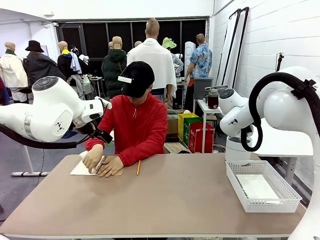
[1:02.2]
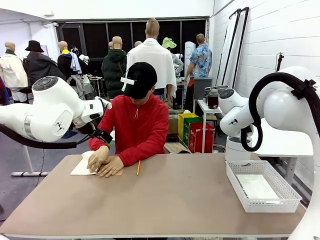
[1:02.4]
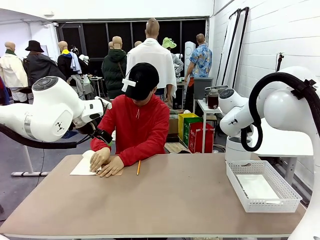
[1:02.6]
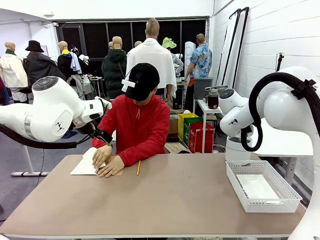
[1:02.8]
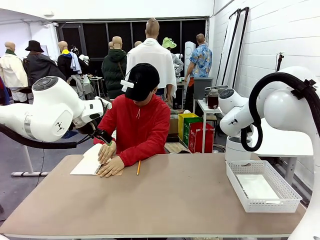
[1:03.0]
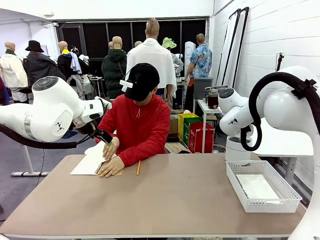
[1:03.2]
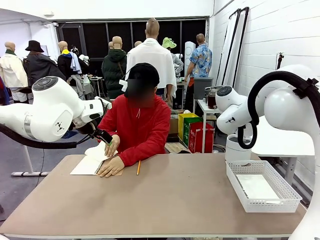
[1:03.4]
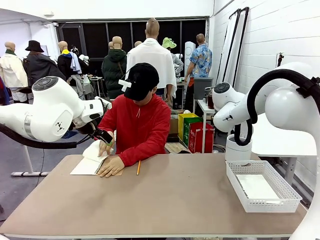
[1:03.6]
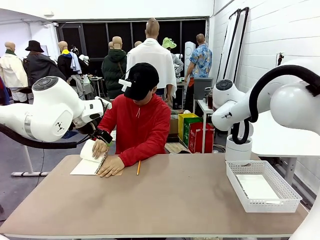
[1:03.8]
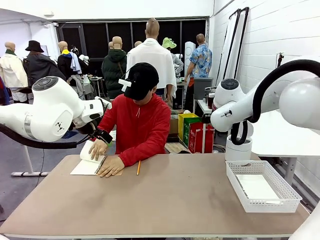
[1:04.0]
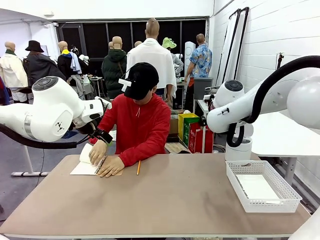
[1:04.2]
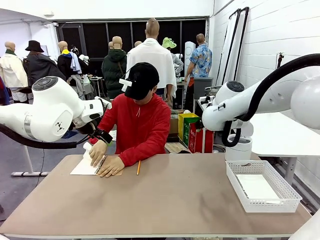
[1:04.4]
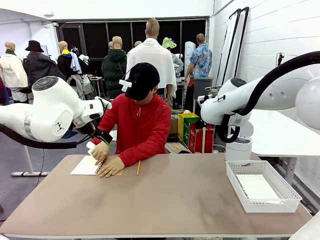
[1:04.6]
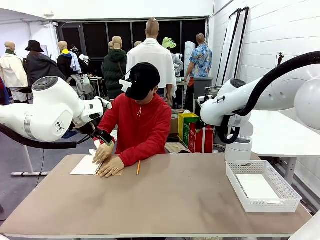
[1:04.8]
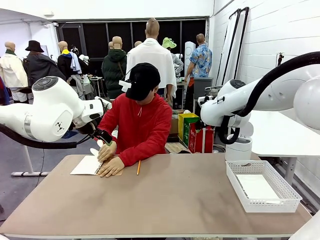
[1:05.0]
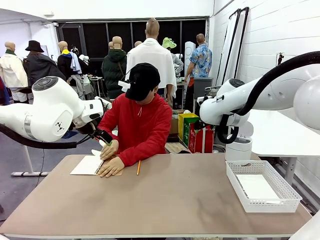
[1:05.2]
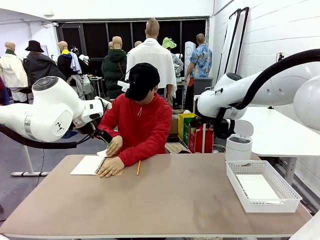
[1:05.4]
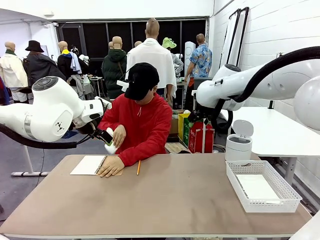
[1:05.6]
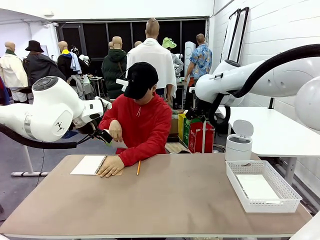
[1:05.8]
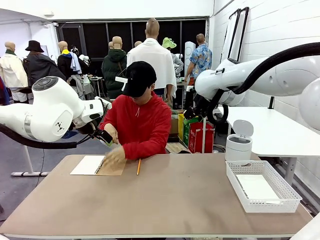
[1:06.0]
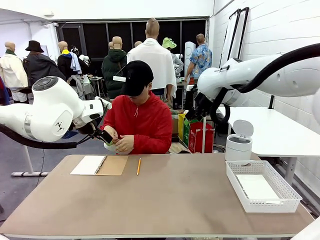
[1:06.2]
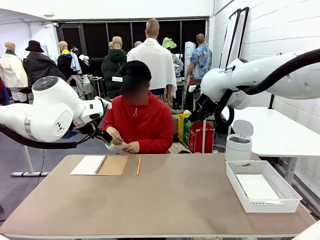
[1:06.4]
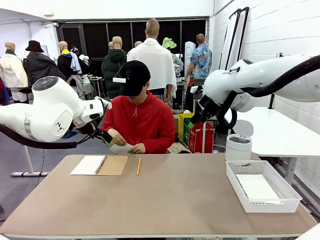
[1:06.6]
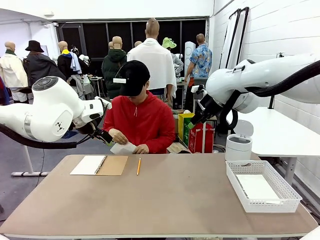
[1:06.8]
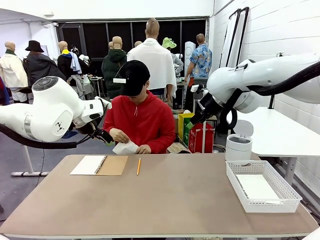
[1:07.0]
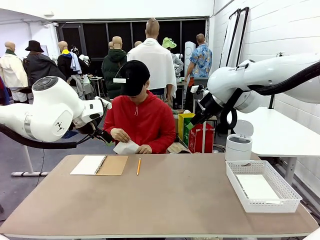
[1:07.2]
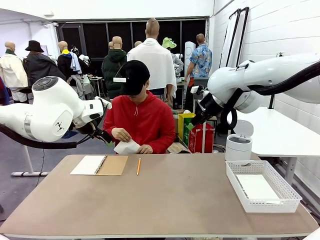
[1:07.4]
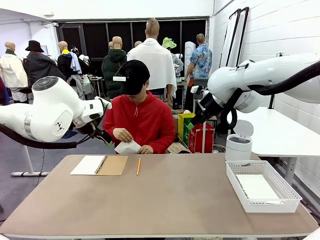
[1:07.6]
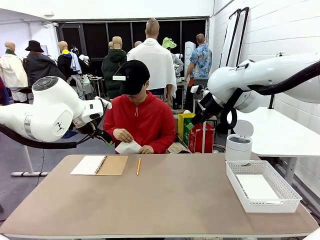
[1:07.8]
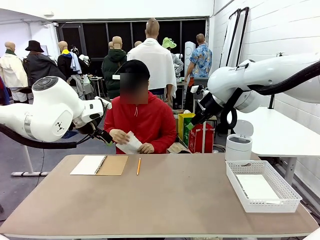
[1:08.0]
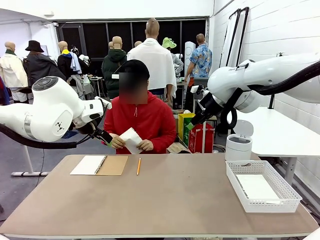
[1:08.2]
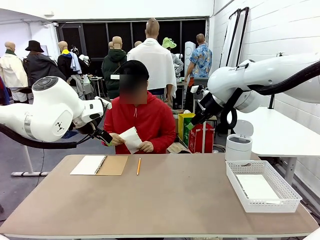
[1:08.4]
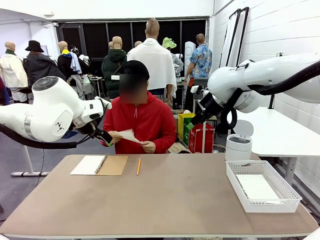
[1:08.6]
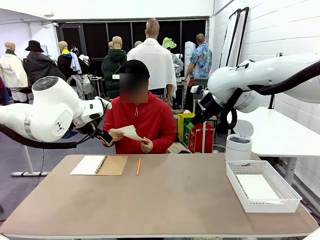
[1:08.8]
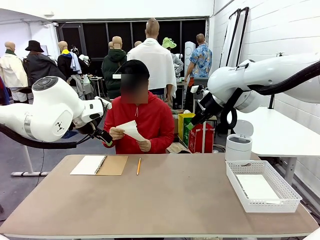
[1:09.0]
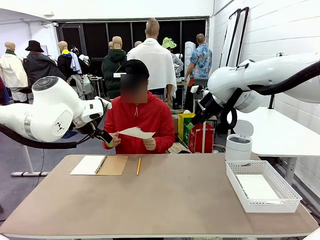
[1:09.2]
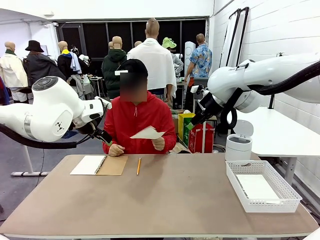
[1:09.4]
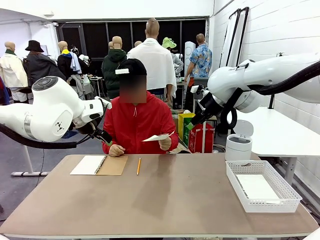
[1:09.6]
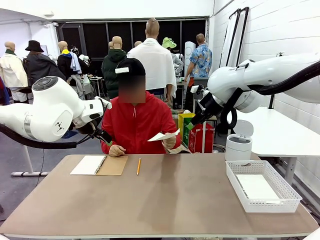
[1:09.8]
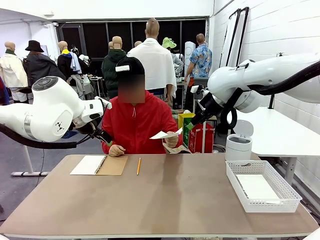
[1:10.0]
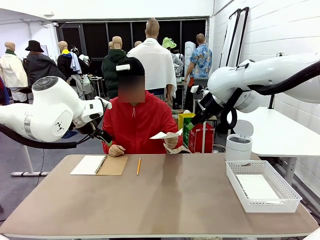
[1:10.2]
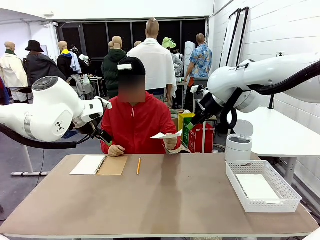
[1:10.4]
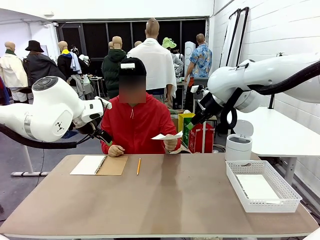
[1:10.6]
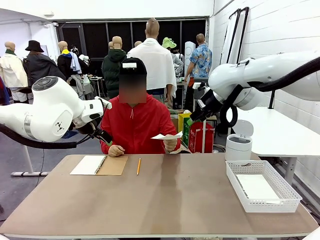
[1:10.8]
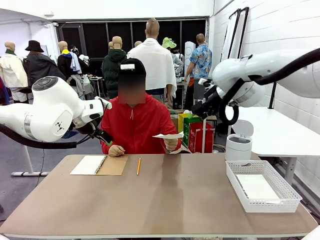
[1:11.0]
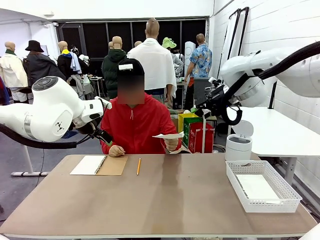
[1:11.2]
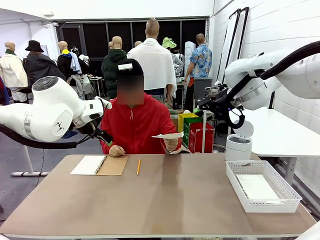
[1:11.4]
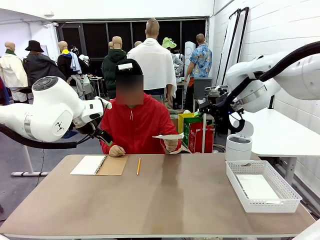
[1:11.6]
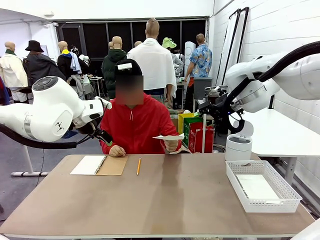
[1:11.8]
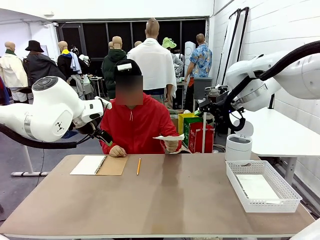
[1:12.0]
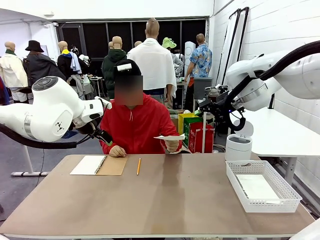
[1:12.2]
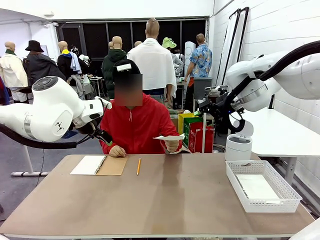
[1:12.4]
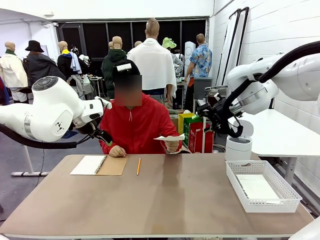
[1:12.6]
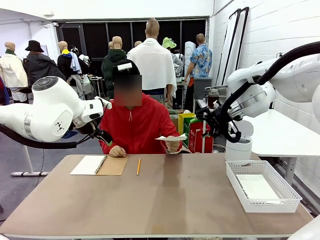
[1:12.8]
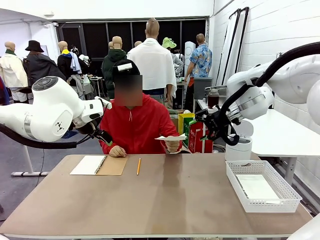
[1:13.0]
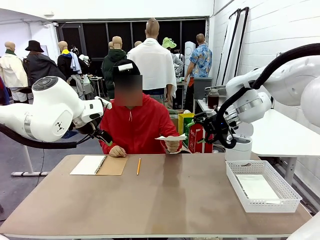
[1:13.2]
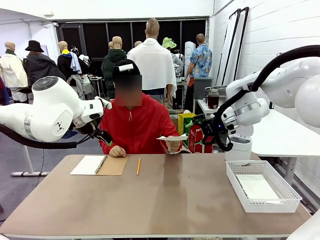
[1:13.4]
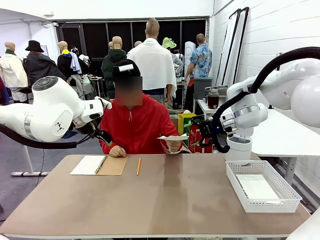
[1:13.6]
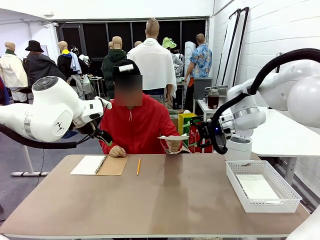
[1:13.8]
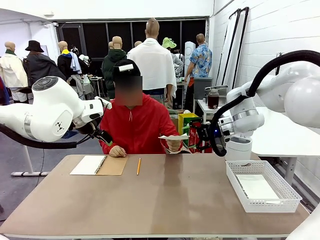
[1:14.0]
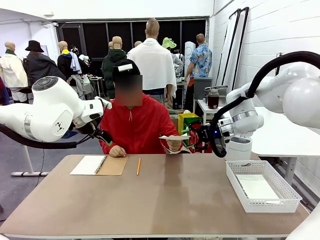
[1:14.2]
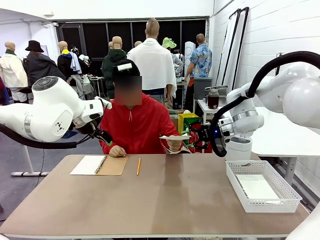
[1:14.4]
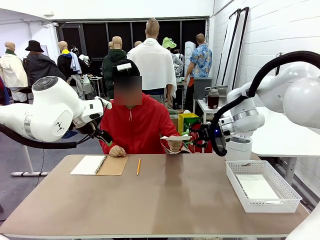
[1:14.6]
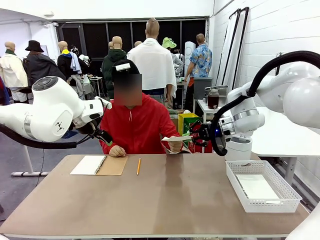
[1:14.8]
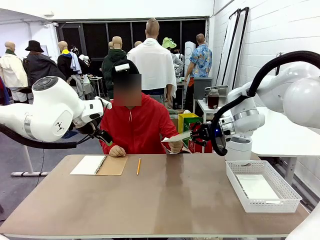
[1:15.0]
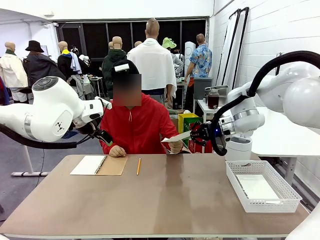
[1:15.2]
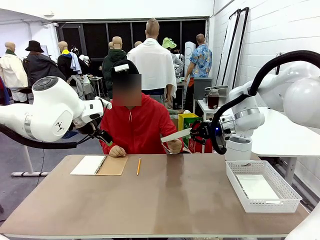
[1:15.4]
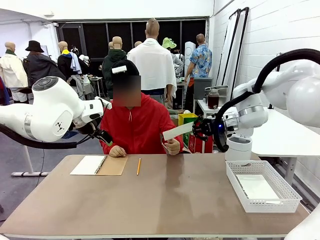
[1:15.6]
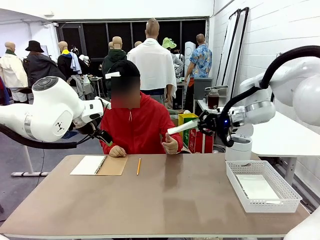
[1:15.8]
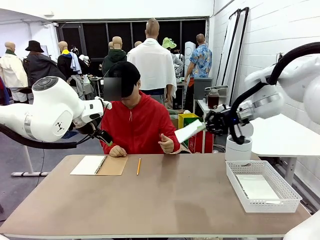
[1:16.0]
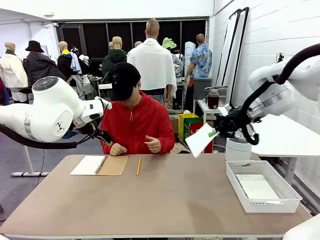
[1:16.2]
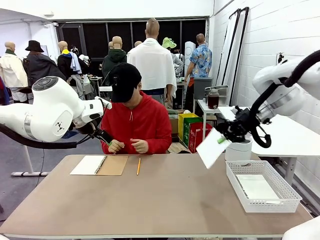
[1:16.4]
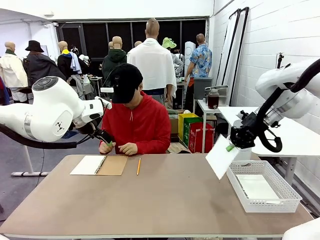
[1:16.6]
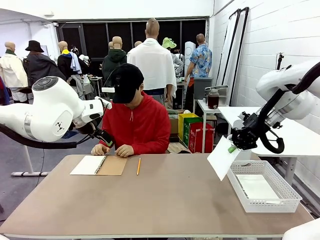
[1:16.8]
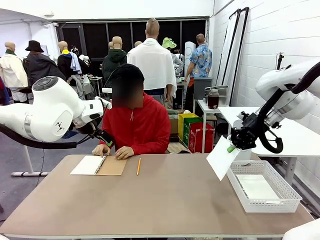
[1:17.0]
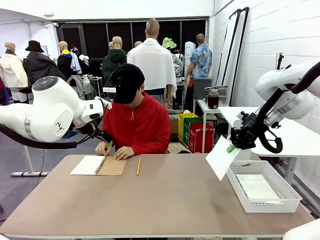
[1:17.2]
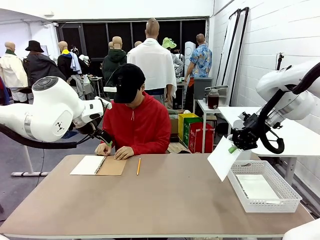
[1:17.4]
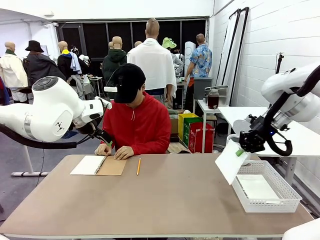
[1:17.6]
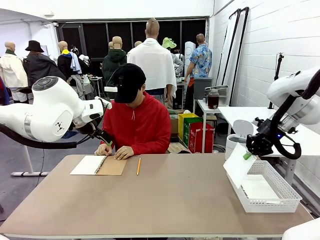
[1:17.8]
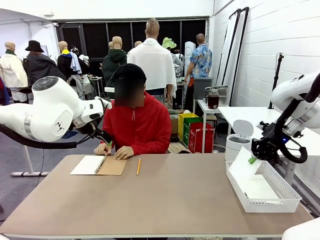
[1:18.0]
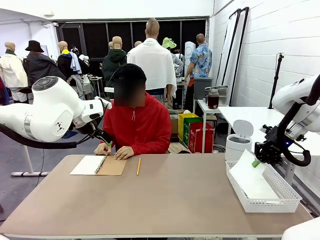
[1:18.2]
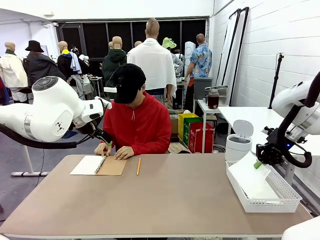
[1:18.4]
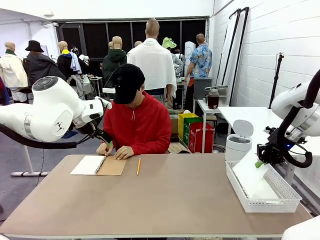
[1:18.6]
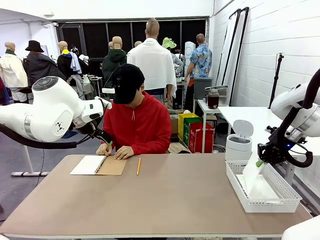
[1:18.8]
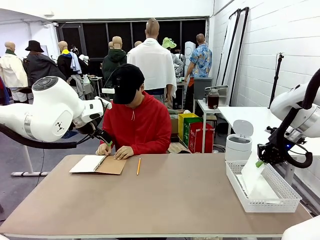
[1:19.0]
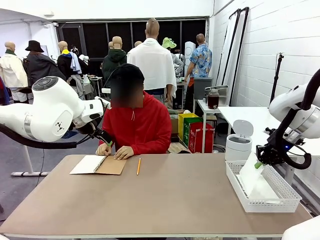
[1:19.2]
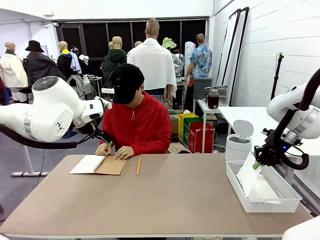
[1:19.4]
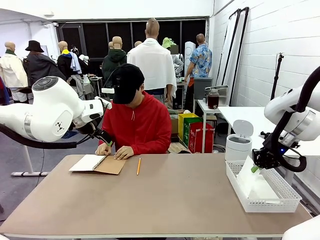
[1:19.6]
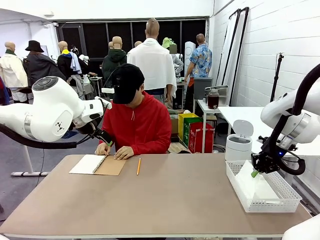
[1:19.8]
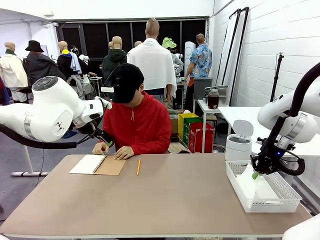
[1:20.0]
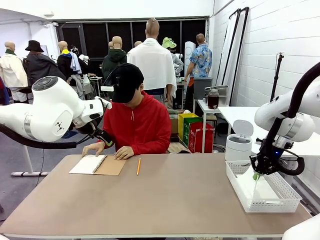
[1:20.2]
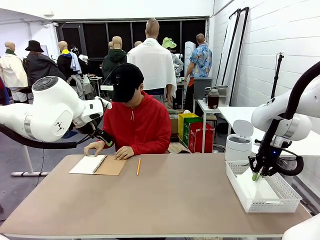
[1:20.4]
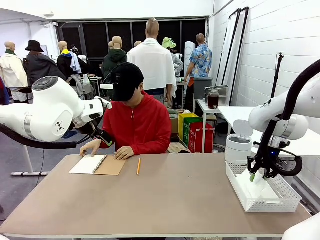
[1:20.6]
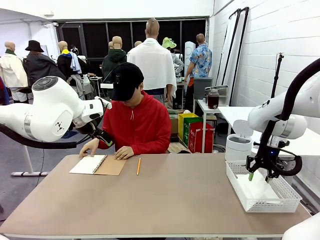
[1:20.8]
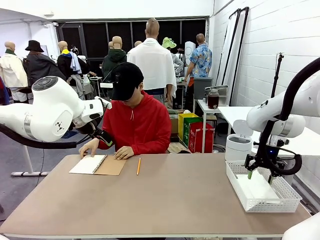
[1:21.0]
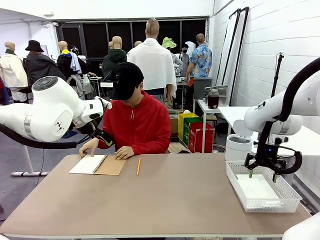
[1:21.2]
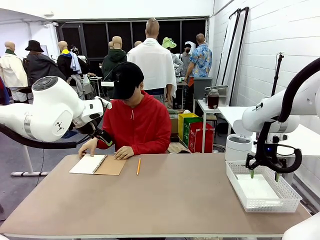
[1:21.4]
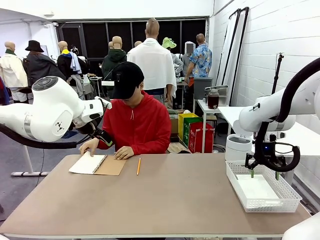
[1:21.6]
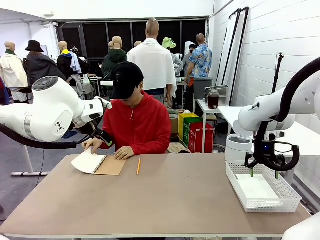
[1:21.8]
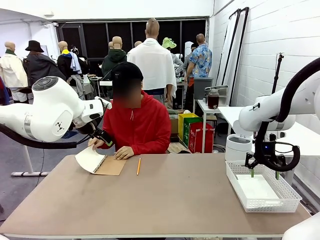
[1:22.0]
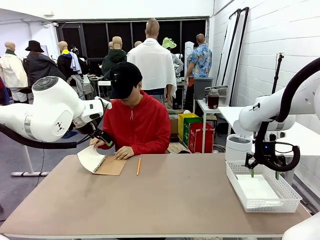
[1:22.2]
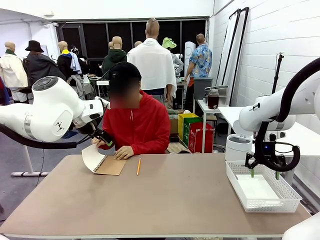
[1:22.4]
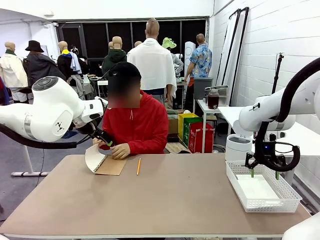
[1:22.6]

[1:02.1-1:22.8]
Task: Sort the paper based on its condition.
Robot: If a person hands you a paper, place it in the Organizing basket , and if it's crumpled, put it in the Trash can.
Person: Hand the torn page to the robot or crumple it and throw it to the center of the table.
